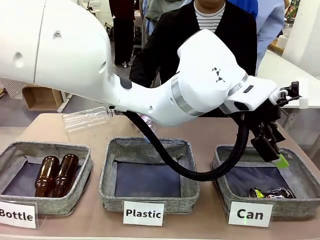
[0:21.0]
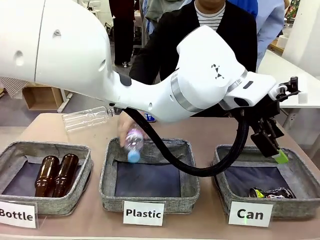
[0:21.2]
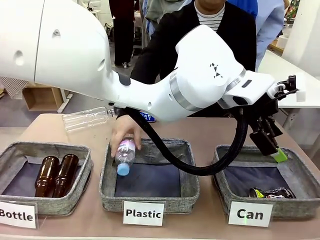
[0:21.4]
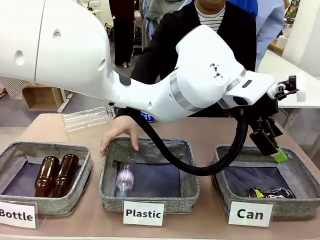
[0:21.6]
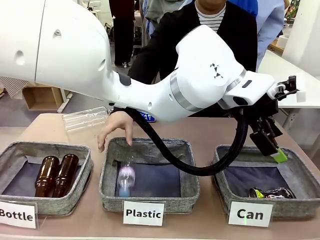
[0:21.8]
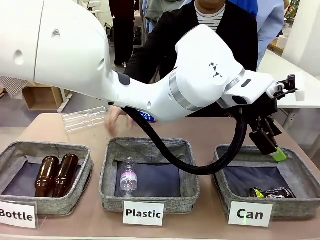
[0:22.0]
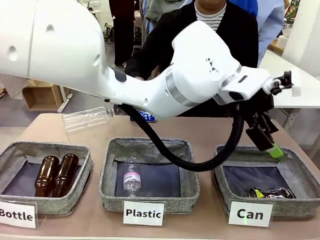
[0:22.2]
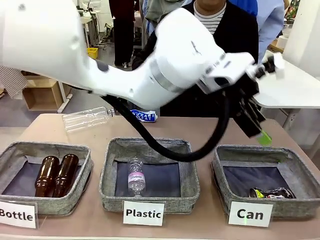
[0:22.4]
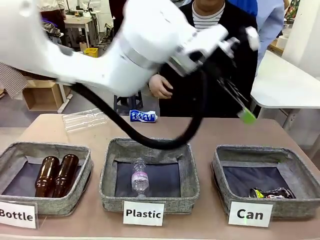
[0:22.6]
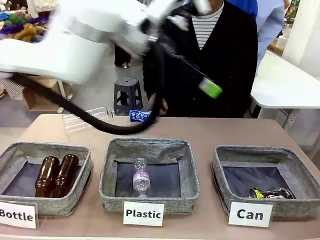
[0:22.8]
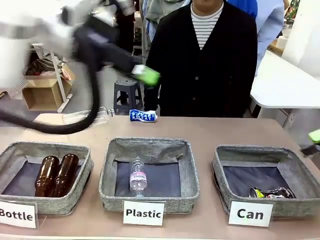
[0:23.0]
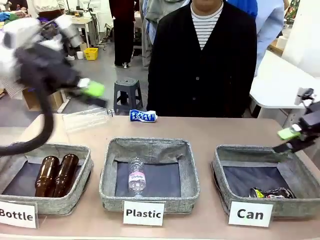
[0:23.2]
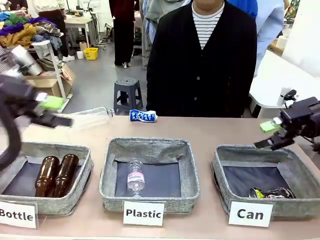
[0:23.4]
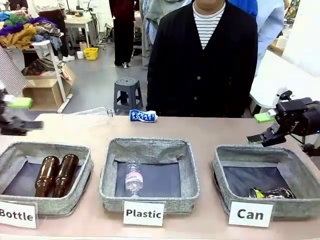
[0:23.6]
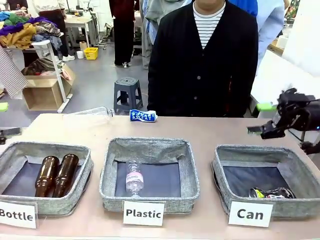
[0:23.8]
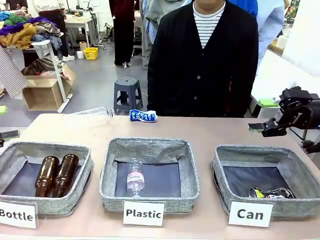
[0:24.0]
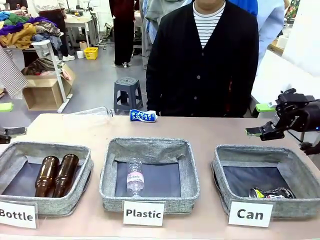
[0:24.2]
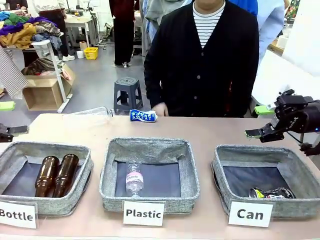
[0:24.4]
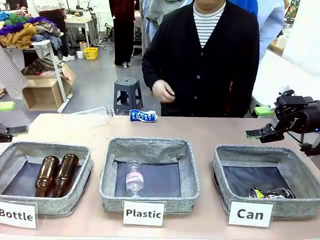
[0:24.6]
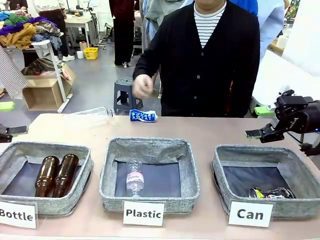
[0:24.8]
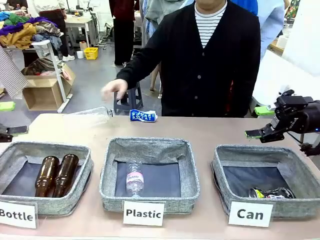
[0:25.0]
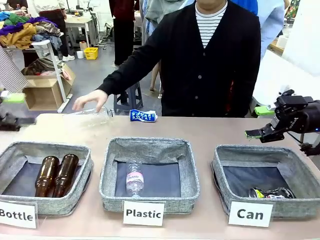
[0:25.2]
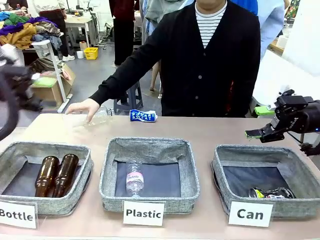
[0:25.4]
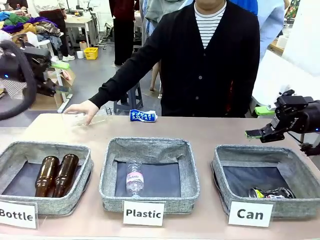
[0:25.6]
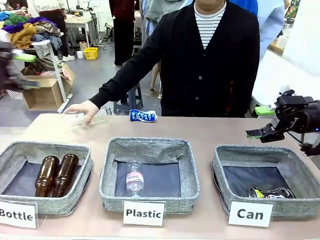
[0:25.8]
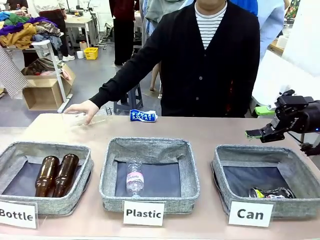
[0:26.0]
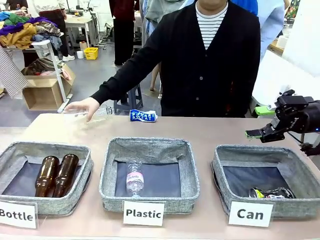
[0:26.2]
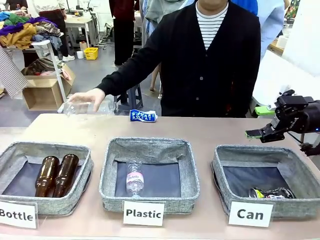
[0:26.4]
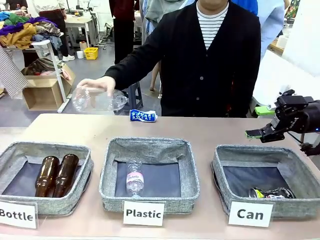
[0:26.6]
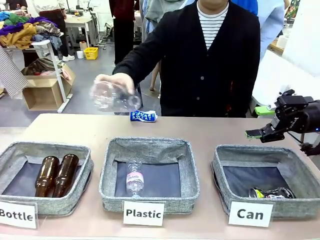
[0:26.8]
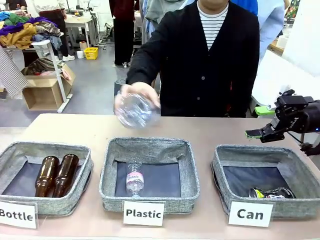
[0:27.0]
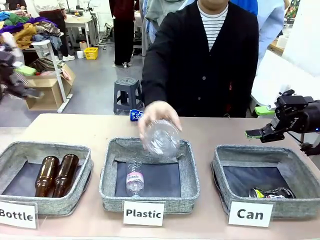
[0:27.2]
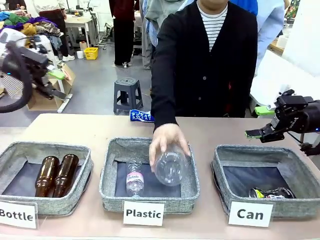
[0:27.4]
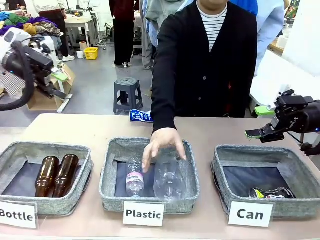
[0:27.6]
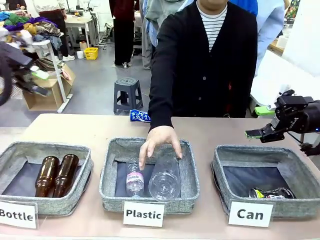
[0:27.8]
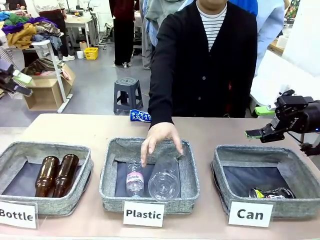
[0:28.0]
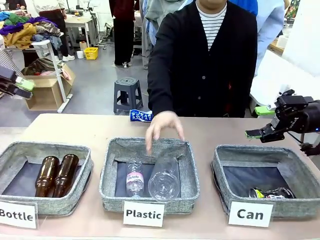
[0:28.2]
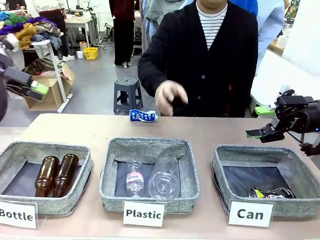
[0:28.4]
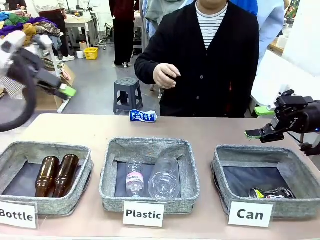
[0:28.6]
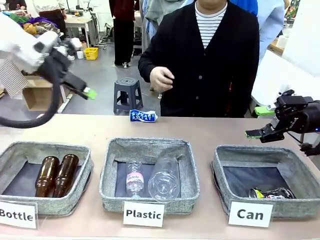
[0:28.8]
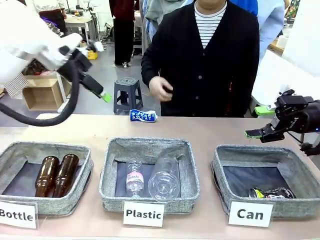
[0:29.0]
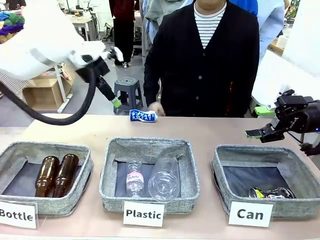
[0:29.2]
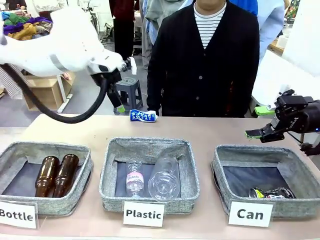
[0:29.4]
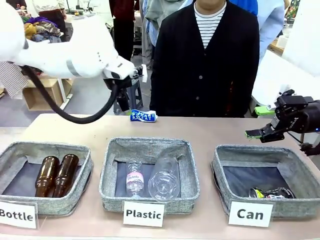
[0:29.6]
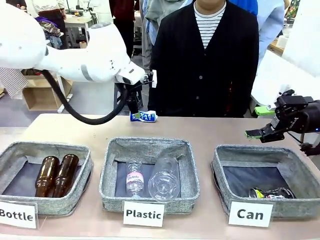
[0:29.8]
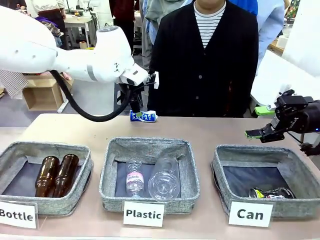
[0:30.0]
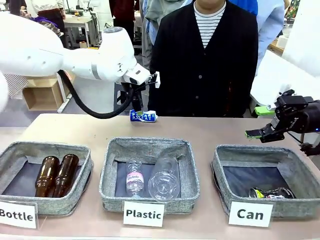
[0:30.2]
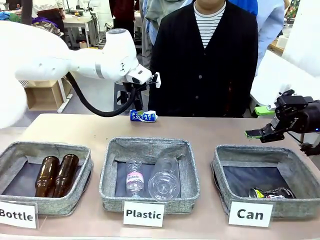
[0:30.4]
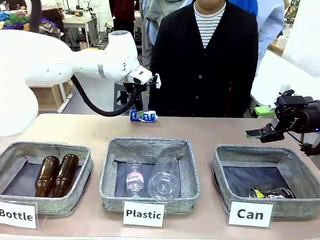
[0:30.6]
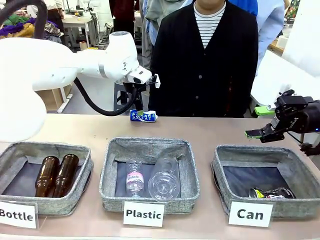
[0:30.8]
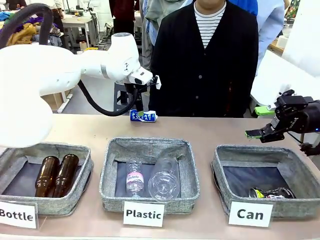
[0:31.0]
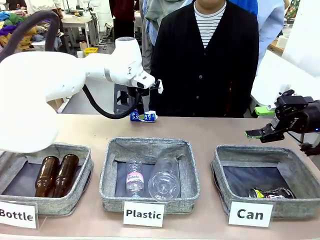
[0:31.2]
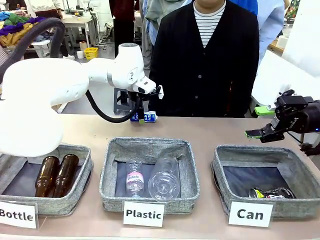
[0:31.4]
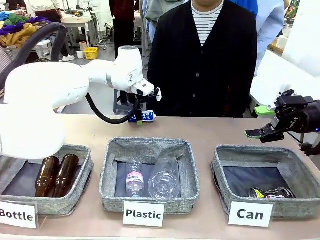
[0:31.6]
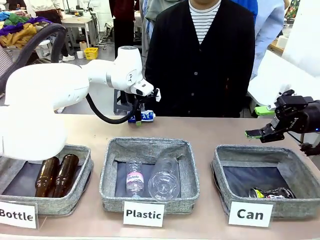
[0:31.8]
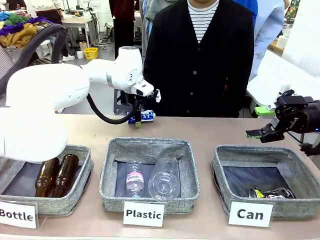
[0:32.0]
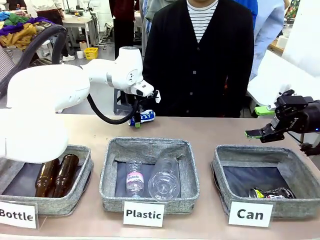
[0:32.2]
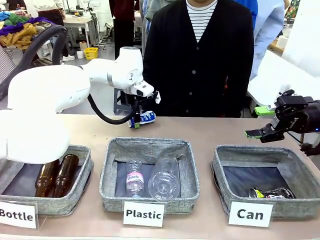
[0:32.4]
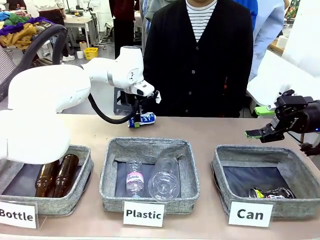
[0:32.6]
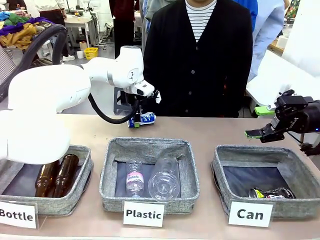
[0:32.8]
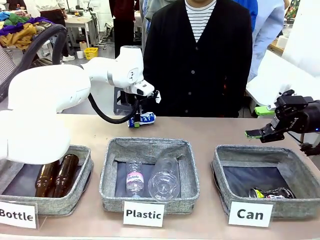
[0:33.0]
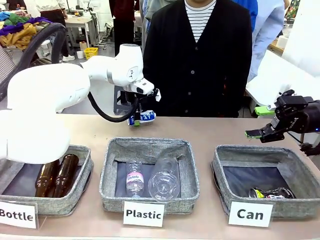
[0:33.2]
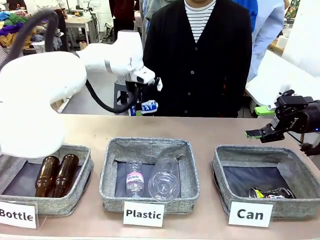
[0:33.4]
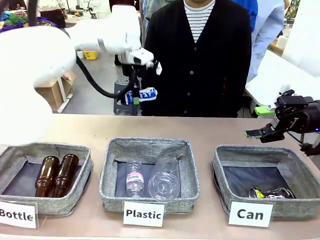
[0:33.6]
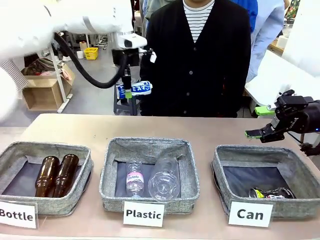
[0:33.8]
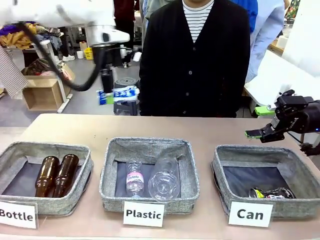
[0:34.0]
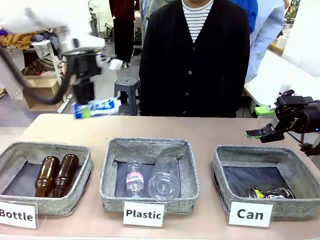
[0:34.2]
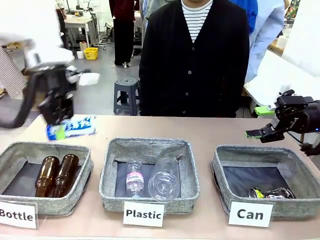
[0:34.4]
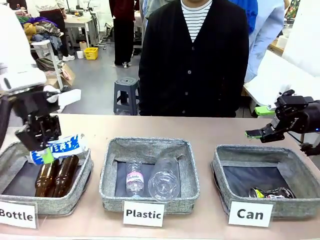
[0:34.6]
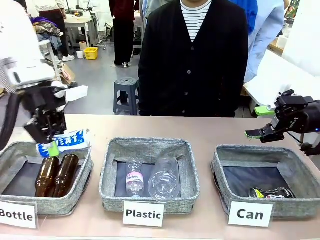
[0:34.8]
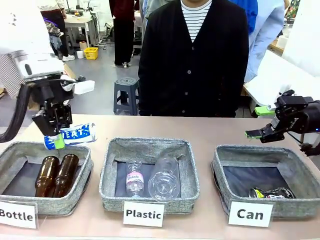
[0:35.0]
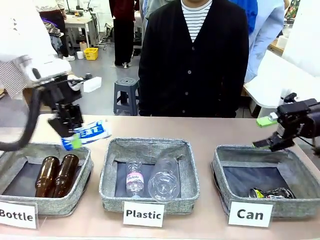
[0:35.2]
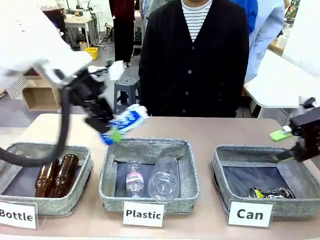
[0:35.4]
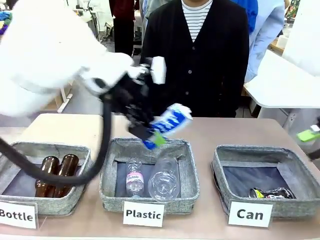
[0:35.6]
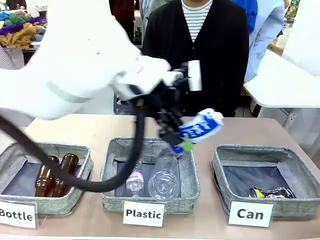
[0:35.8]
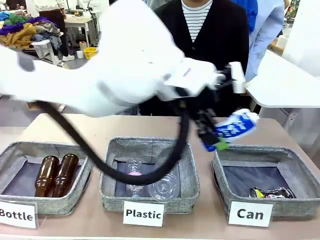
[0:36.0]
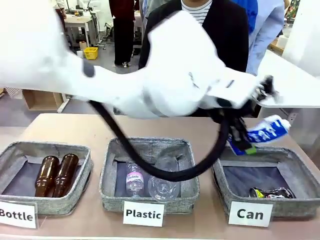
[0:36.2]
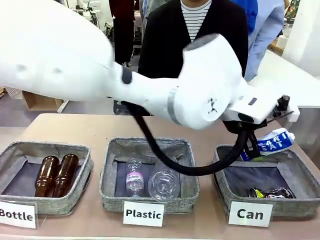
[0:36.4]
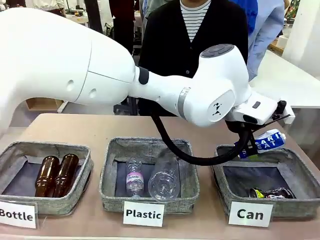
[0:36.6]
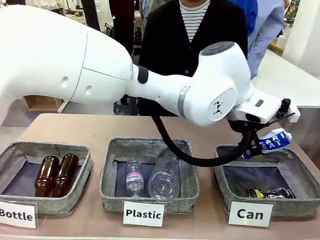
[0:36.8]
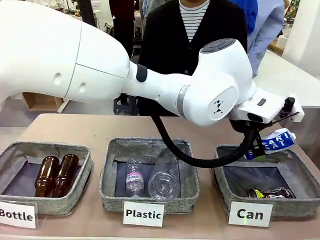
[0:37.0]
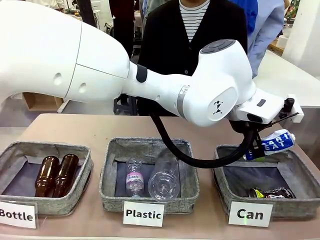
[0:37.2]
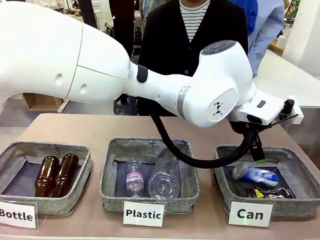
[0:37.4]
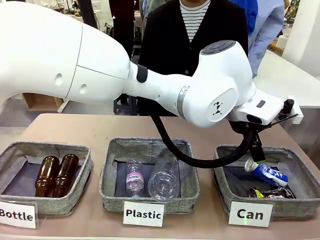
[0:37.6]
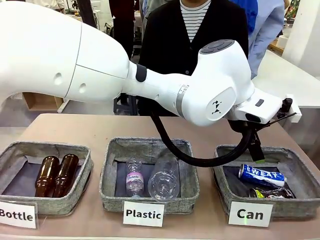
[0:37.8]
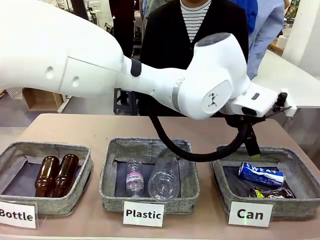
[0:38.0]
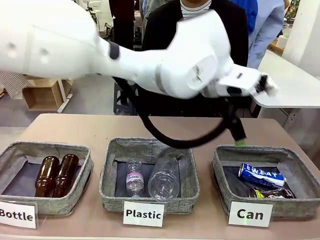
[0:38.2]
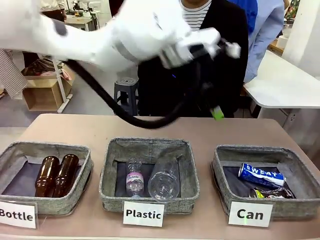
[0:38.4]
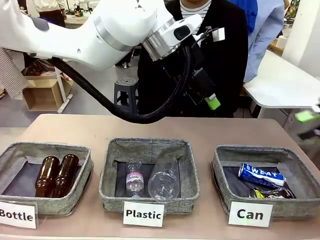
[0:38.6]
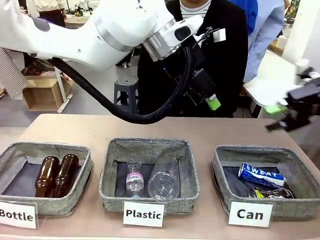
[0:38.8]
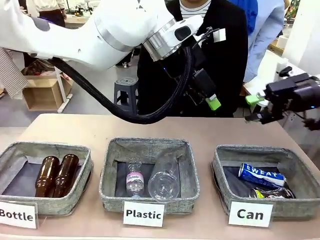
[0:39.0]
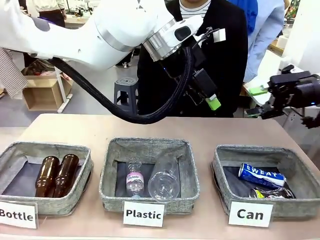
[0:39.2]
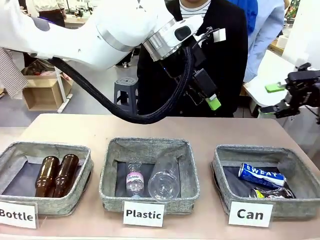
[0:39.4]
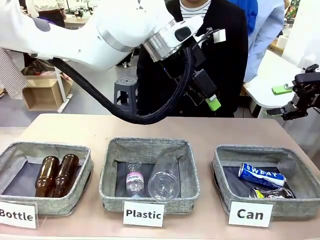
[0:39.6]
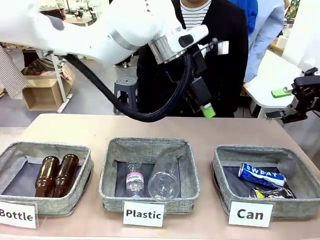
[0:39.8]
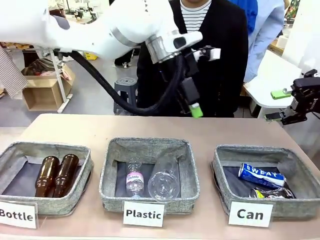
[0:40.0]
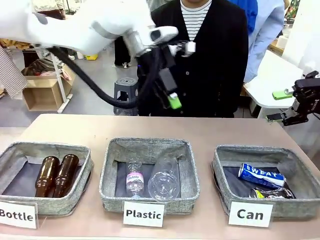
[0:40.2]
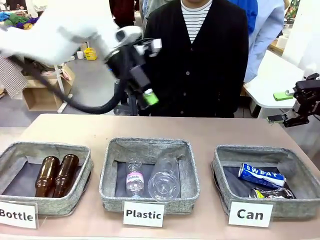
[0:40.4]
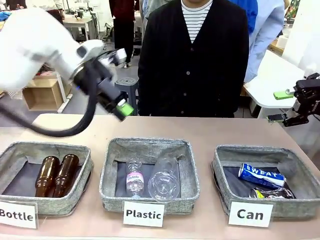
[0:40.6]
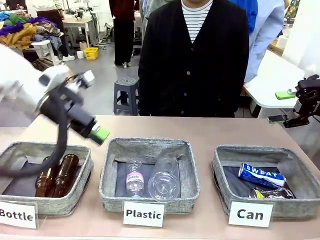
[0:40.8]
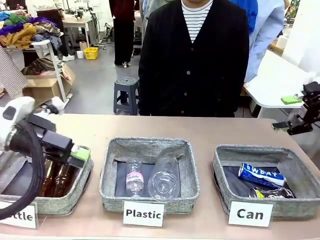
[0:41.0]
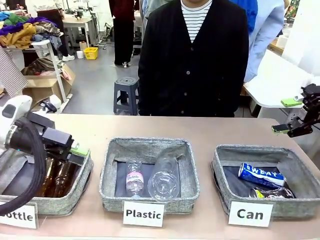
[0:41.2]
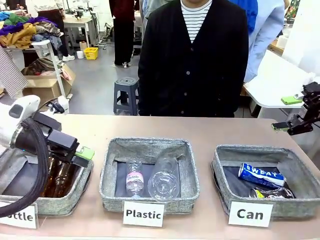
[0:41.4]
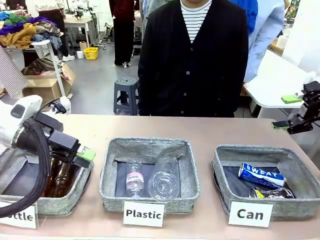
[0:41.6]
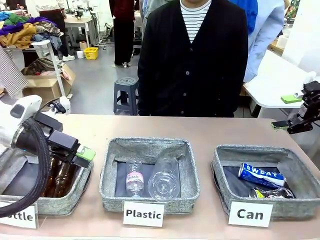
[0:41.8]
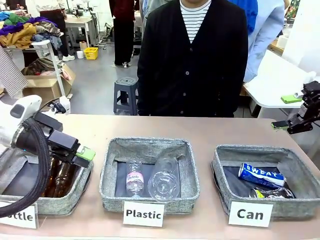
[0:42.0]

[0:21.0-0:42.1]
Task: Sort the can waste into the basket.
Robot: Pick up the can waste from the table and place it in the right Fabric basket.
Person: The human picks up one piece of trash that is not a can and places the trash into the appropriate organizing basket.
